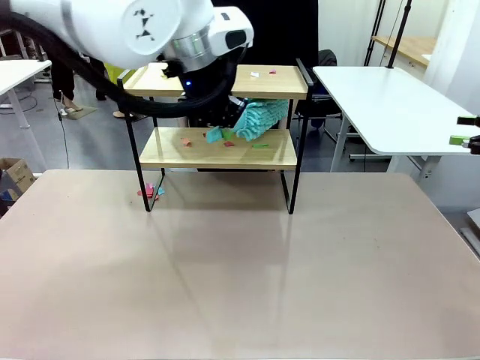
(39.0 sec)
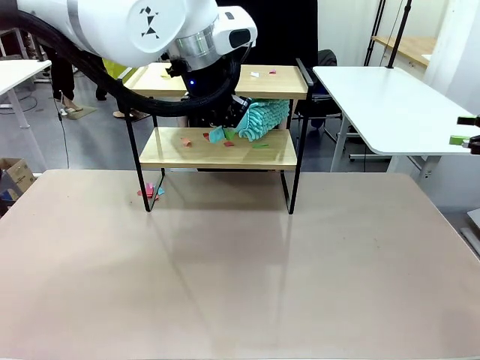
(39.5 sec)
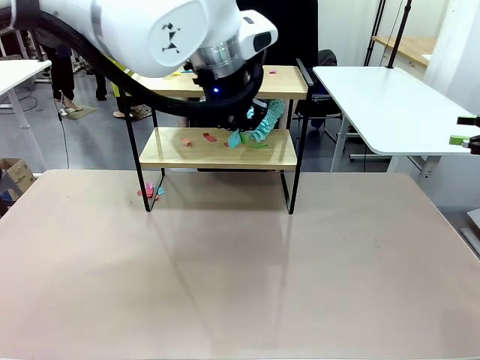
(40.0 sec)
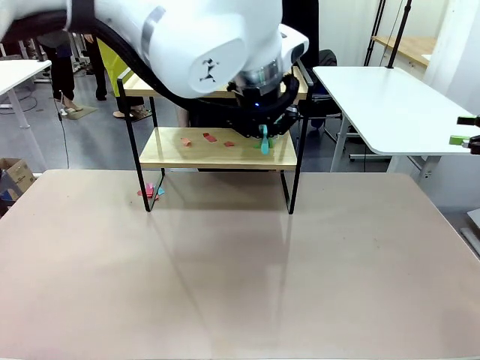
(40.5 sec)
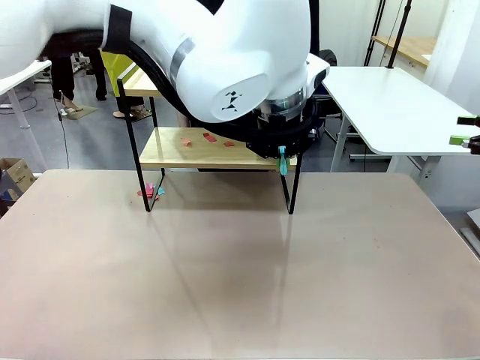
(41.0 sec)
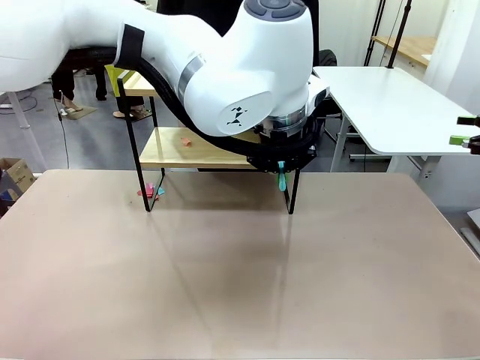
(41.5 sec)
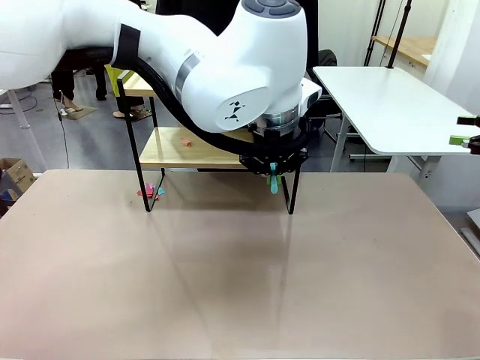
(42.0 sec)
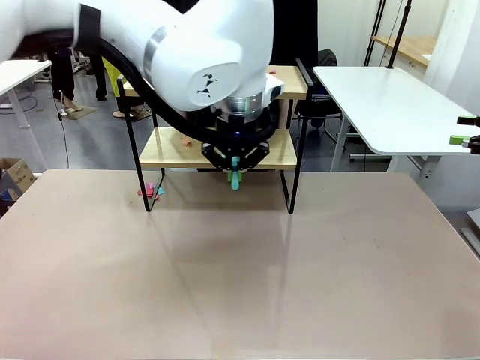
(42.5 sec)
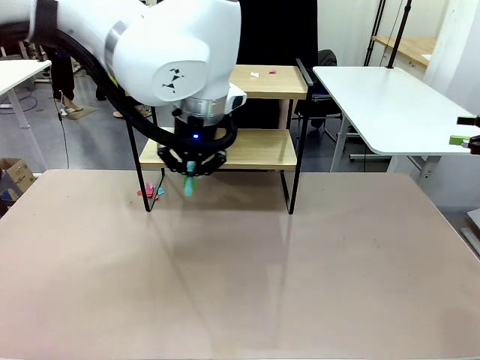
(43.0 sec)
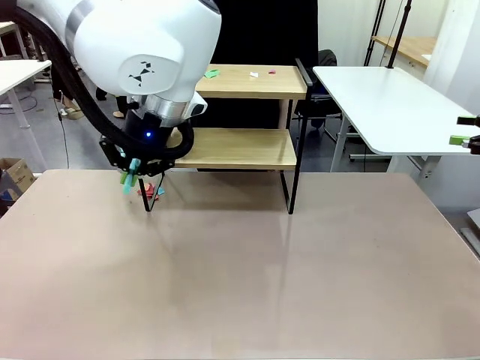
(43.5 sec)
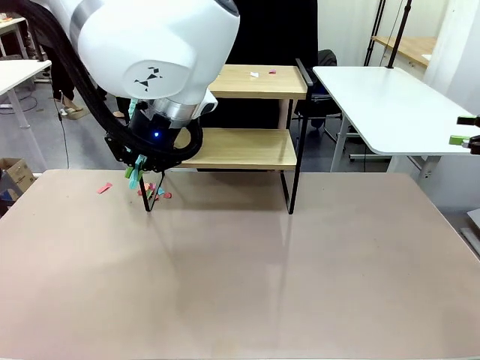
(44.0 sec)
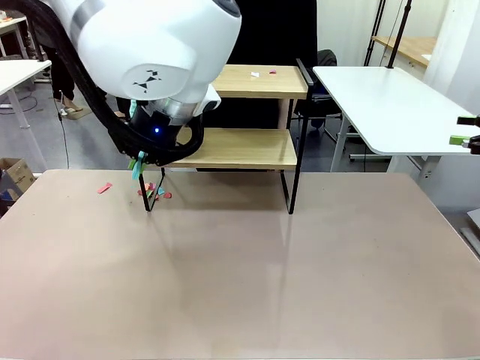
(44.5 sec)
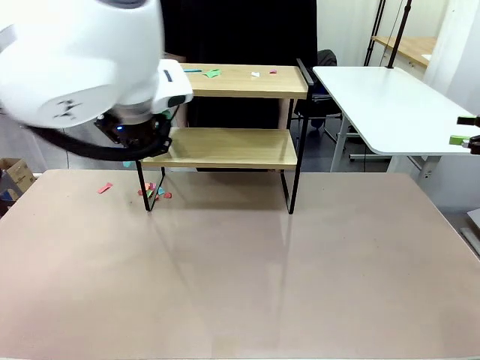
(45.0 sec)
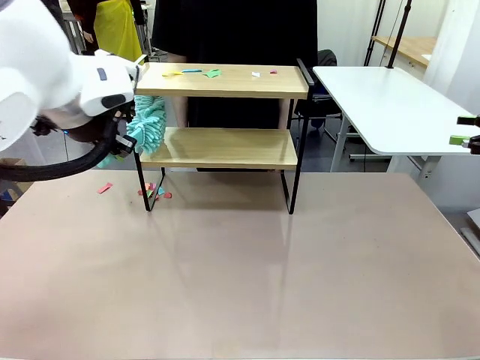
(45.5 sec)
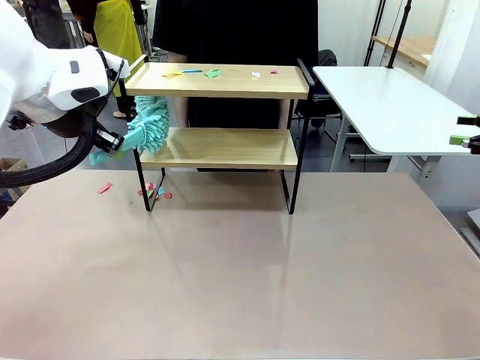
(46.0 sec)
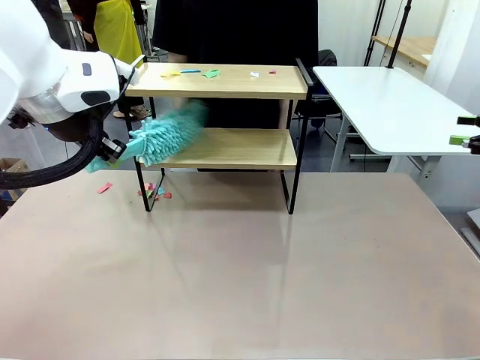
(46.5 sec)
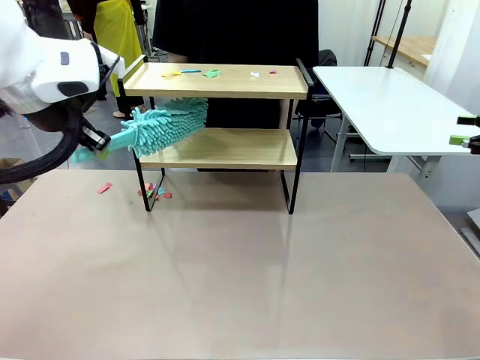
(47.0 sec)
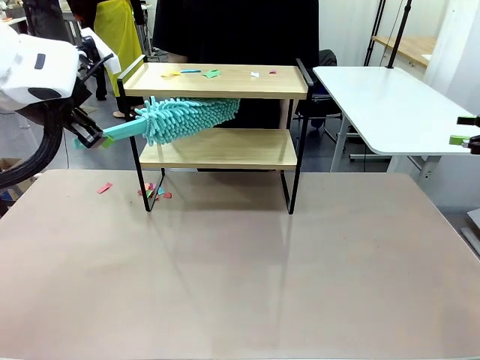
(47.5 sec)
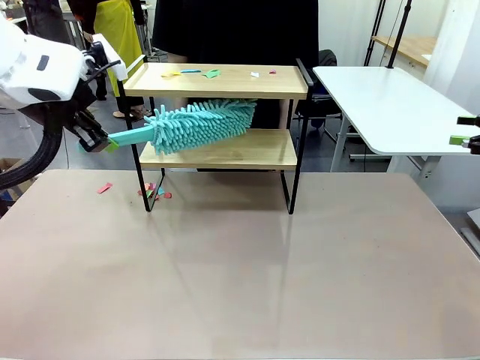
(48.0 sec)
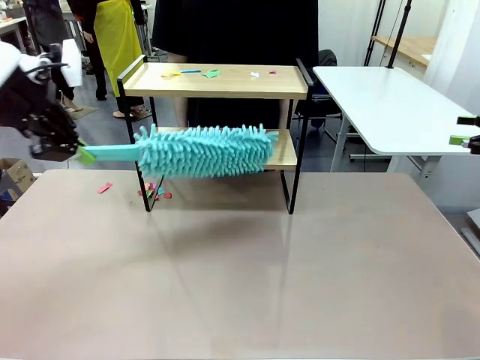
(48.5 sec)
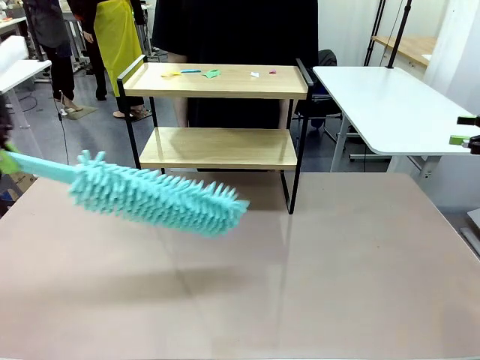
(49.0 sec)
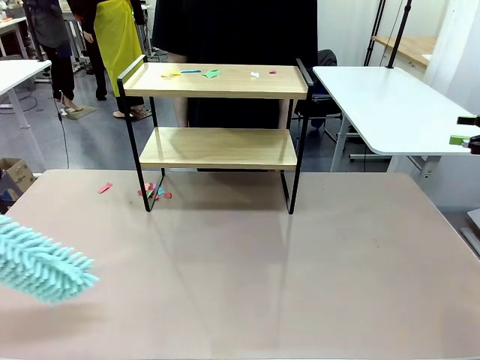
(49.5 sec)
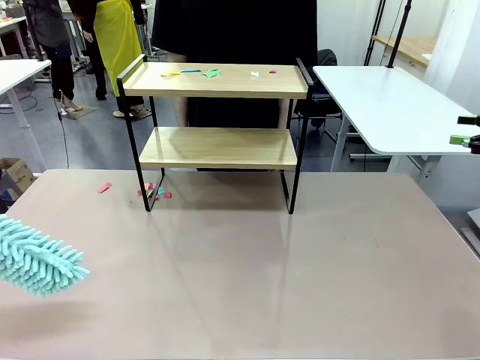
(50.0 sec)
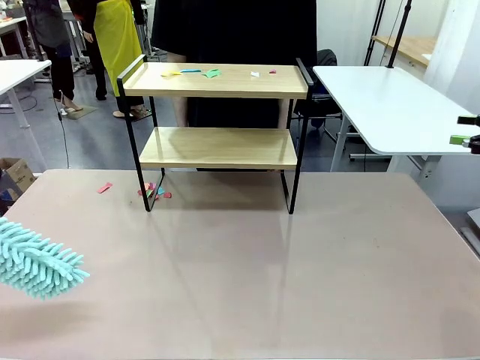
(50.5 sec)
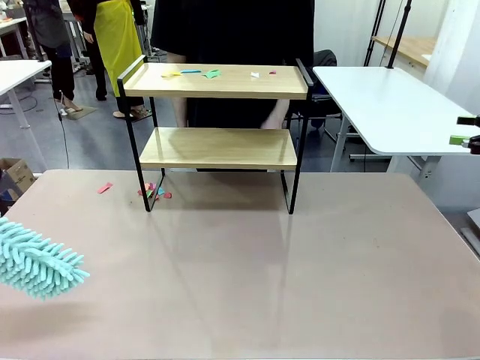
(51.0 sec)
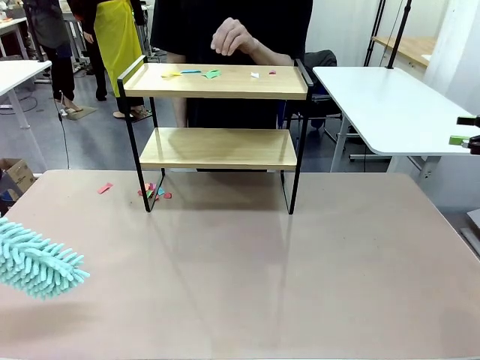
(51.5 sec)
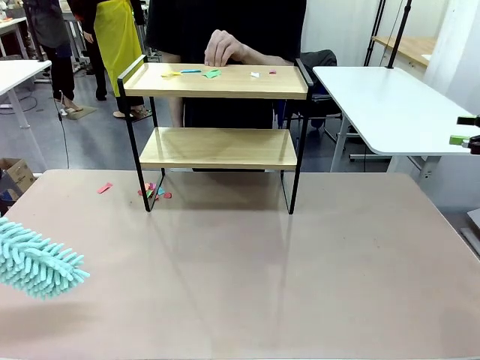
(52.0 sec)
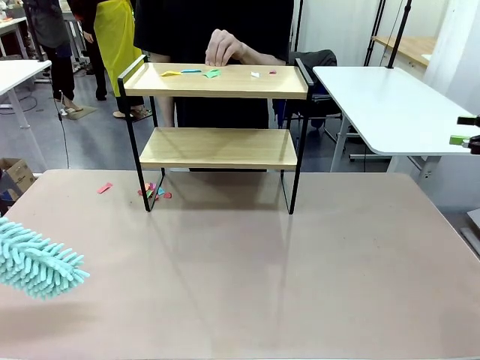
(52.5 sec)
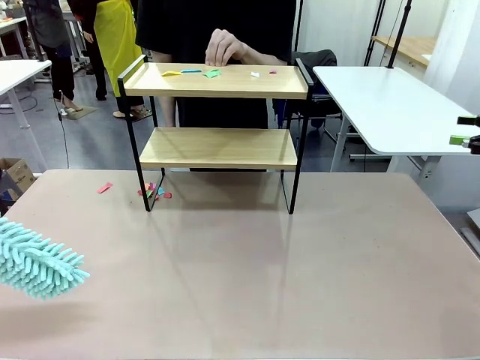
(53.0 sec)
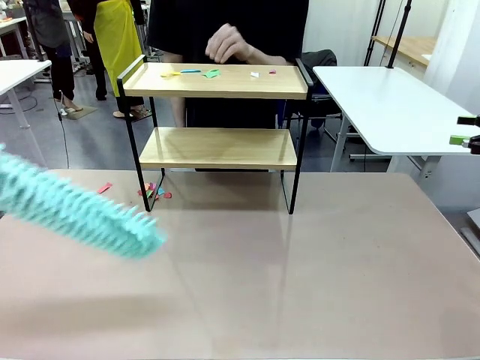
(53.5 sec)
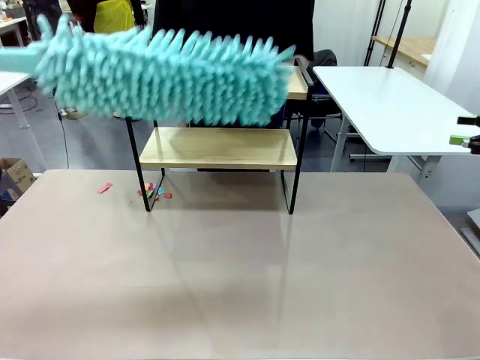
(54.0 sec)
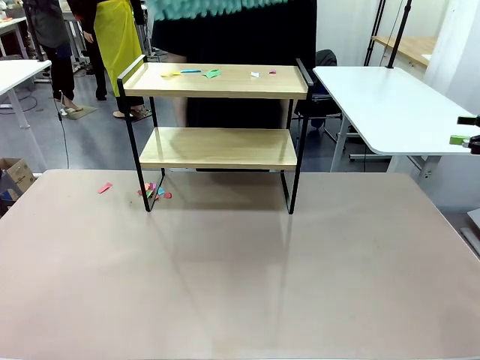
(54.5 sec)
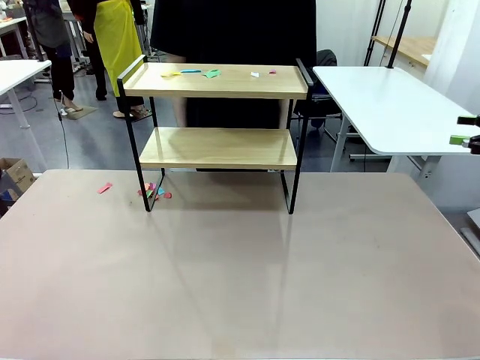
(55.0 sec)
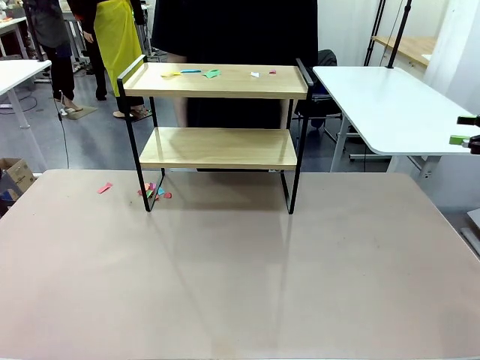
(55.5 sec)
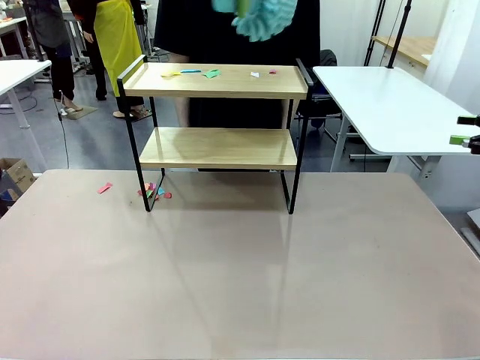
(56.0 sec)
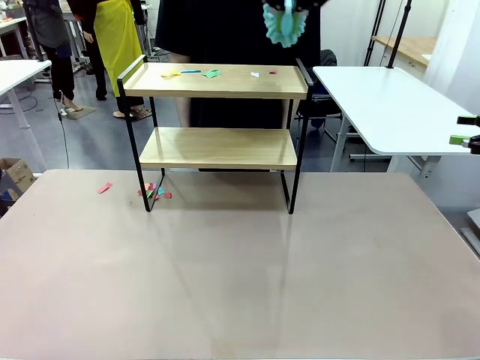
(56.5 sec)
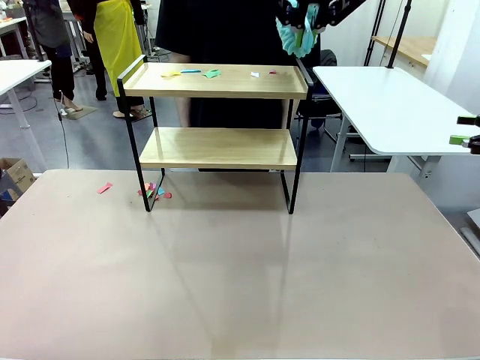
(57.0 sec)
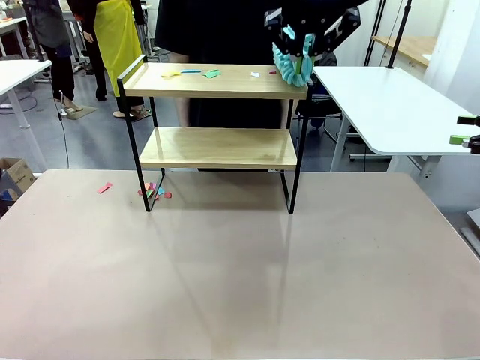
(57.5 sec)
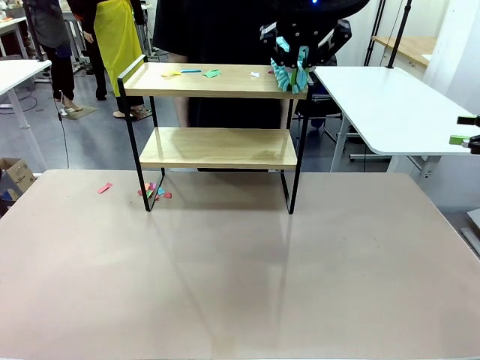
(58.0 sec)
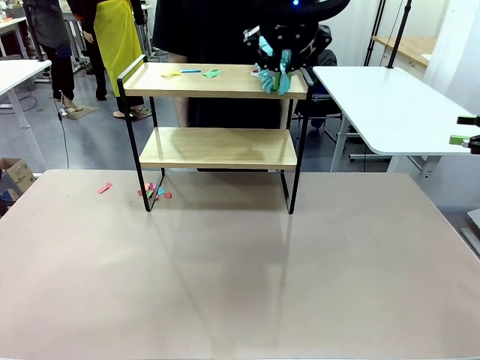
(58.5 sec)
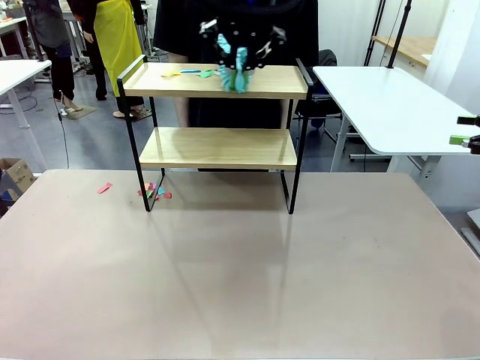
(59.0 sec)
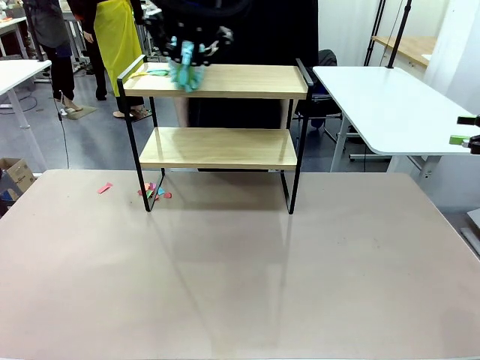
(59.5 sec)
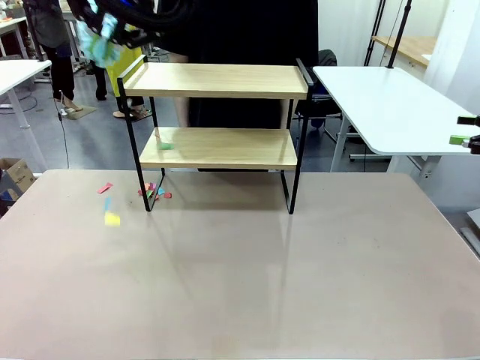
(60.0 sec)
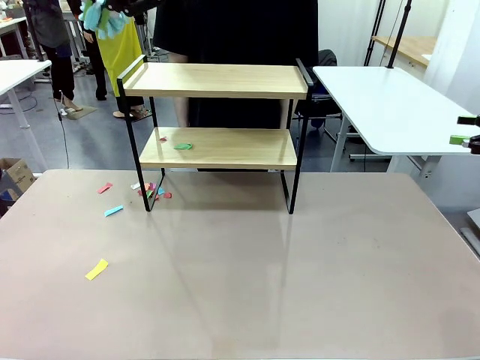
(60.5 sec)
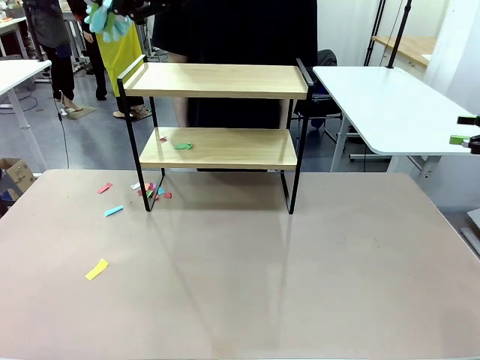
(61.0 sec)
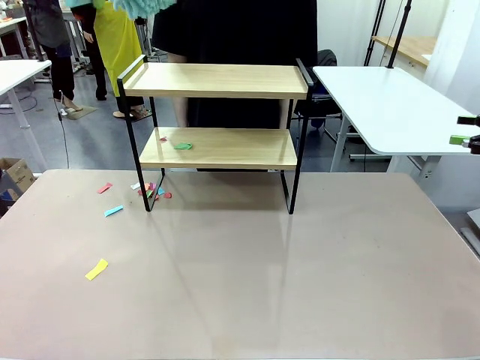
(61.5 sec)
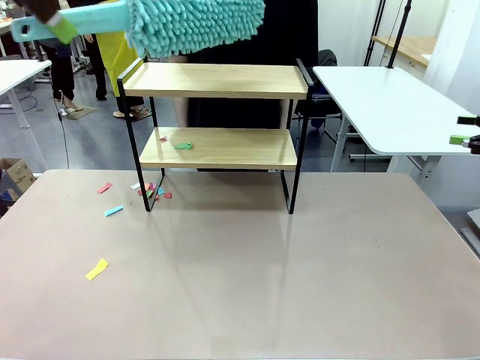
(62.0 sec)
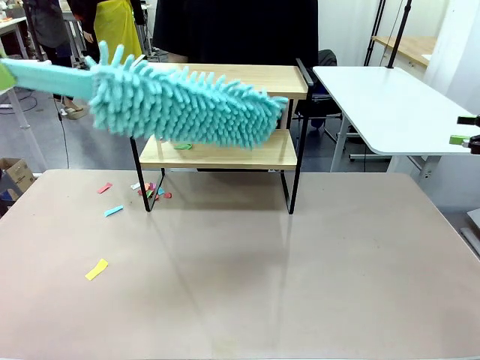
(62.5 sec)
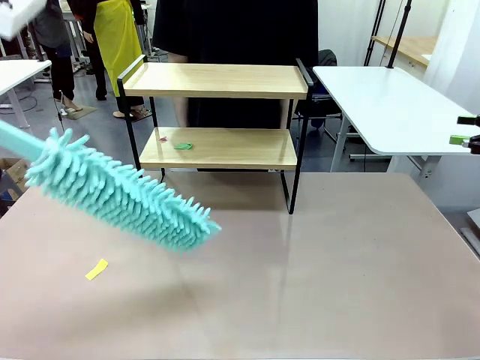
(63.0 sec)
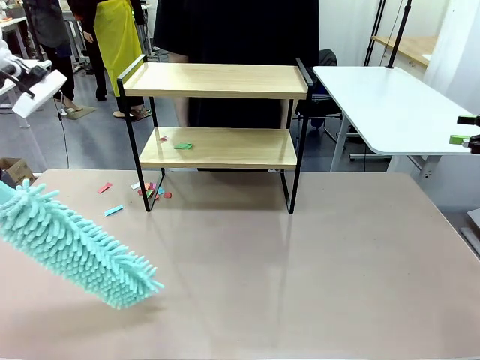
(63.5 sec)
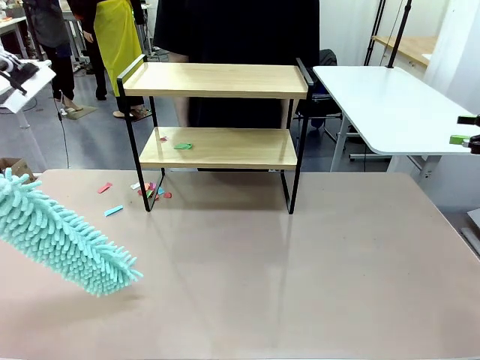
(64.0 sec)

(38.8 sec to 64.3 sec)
Task: Clean the shelf.
Robot: Clean the specific section of the Shelf indicated by the human with the Duster.
Person: Point a remaining section of the Shelf.
